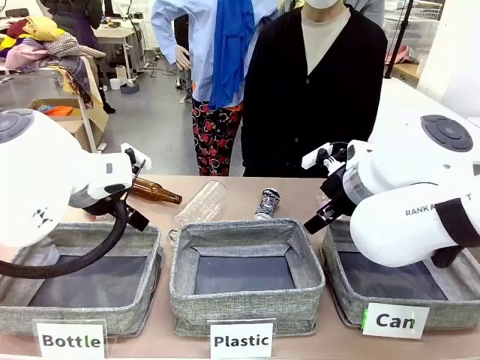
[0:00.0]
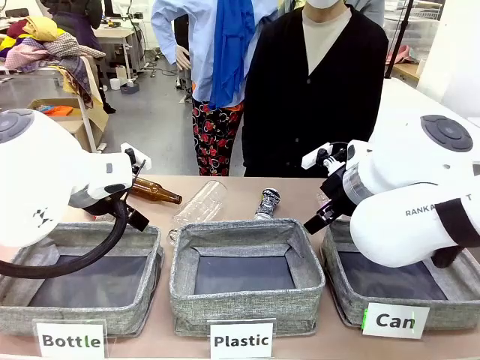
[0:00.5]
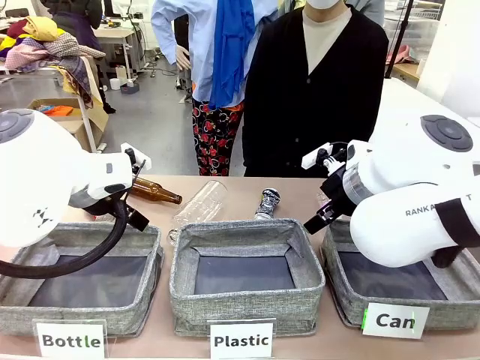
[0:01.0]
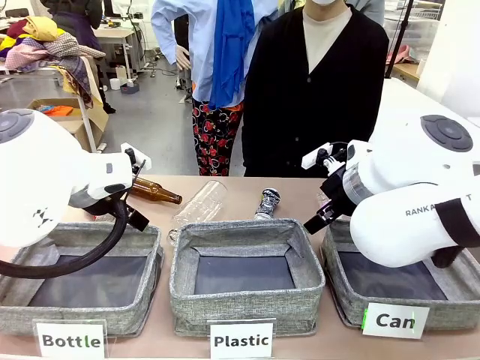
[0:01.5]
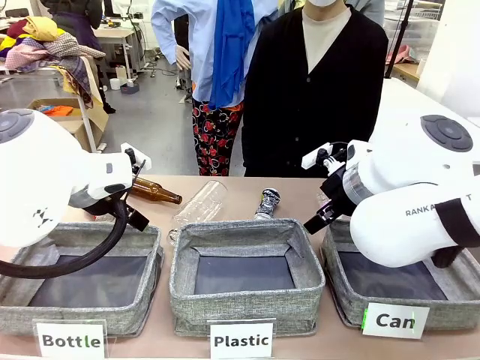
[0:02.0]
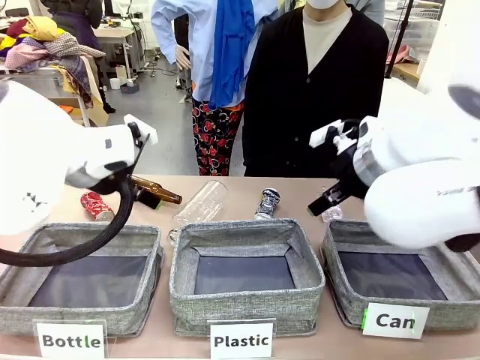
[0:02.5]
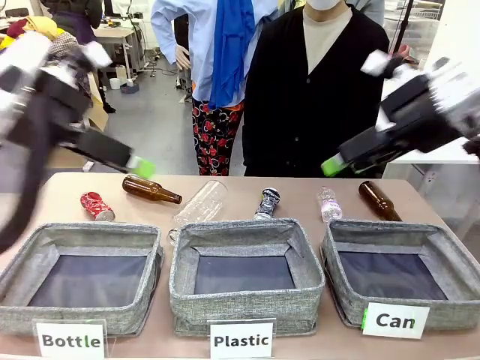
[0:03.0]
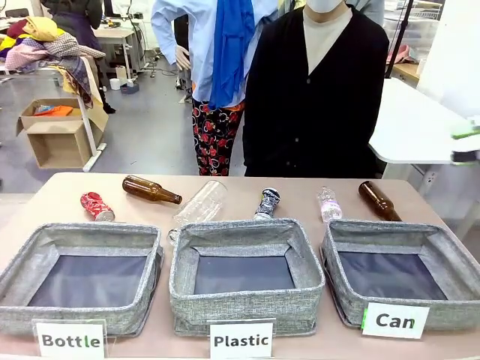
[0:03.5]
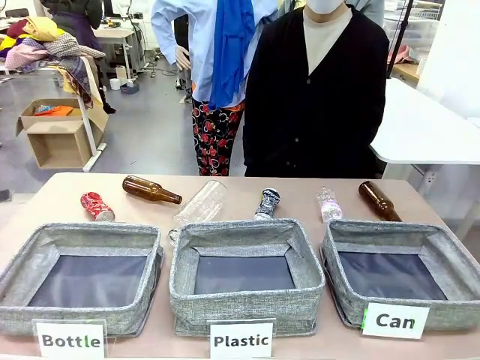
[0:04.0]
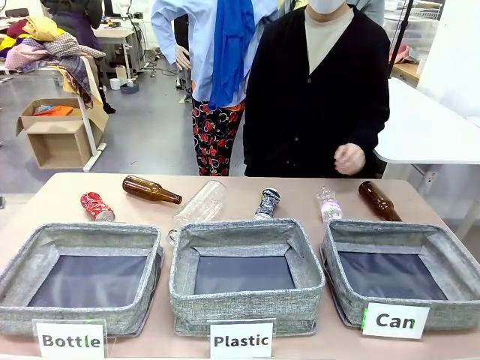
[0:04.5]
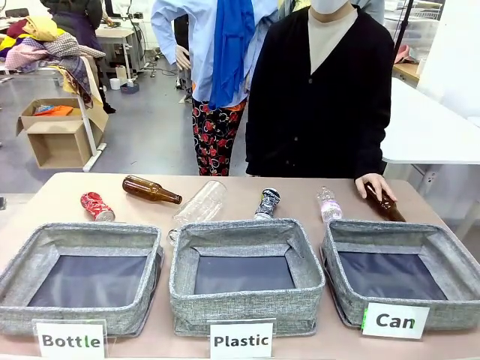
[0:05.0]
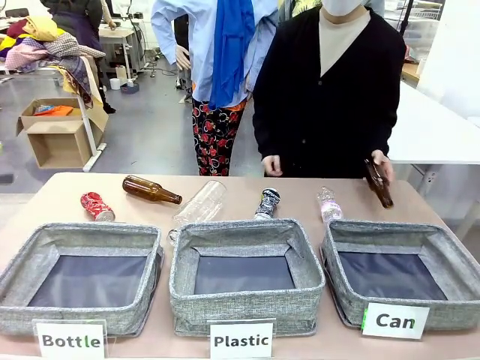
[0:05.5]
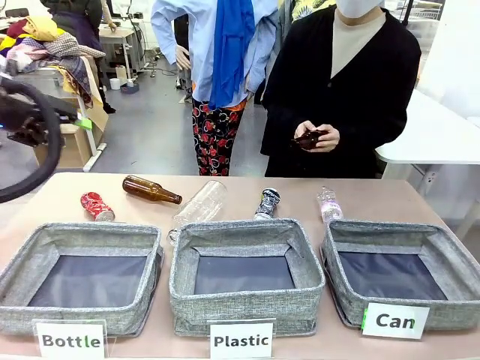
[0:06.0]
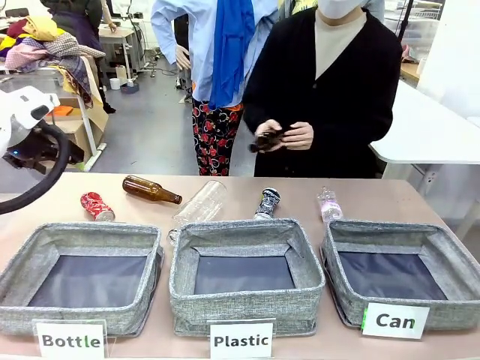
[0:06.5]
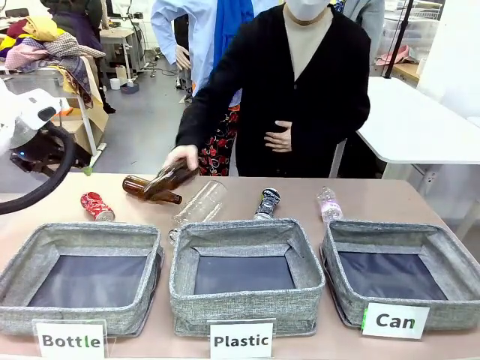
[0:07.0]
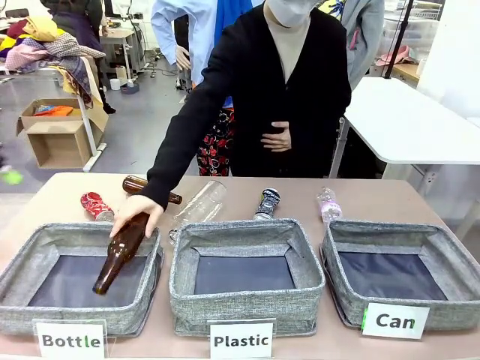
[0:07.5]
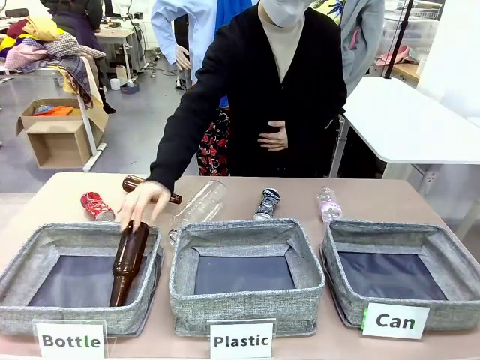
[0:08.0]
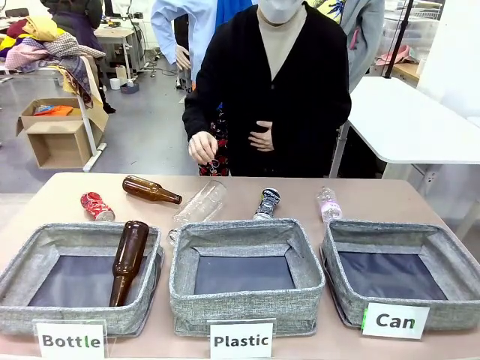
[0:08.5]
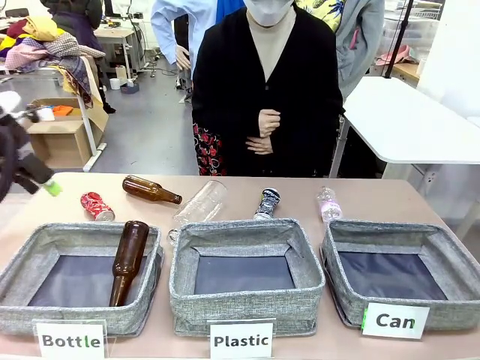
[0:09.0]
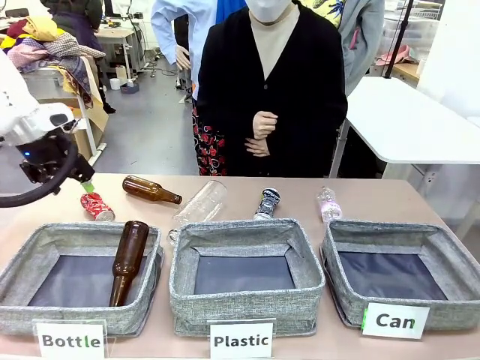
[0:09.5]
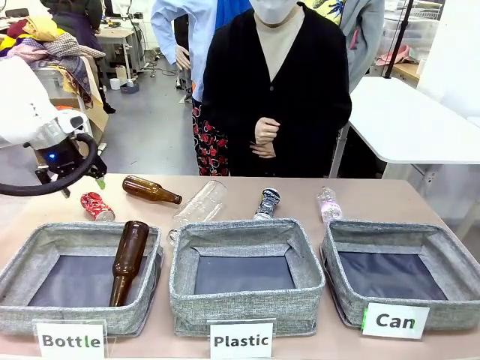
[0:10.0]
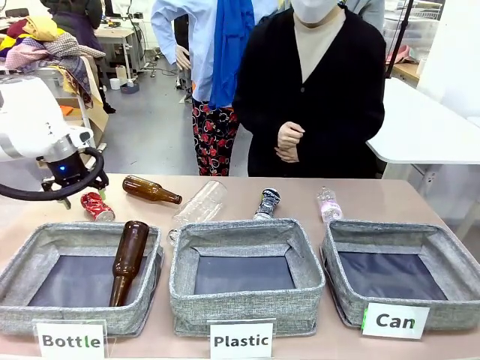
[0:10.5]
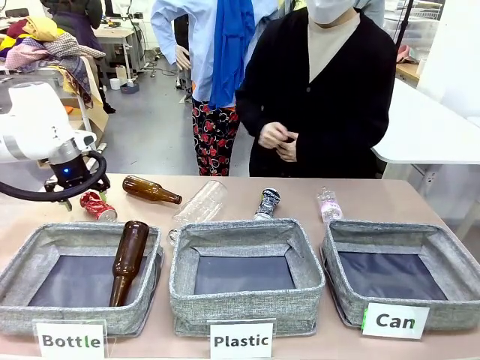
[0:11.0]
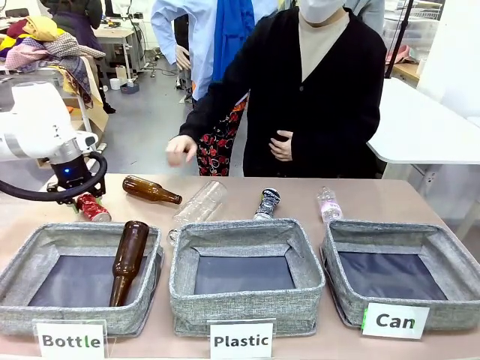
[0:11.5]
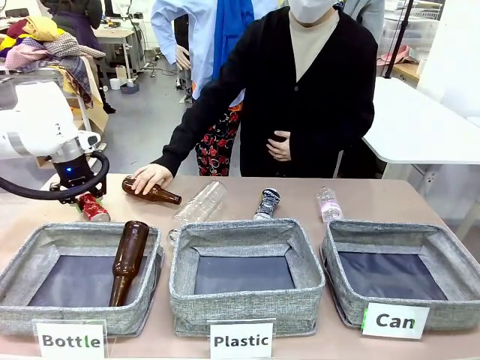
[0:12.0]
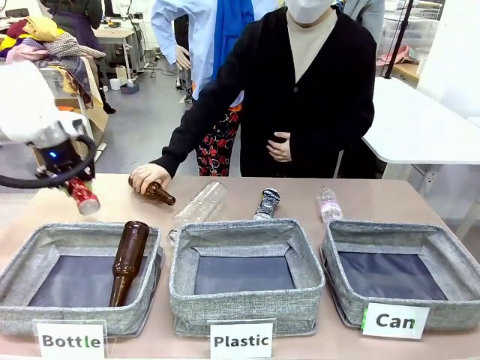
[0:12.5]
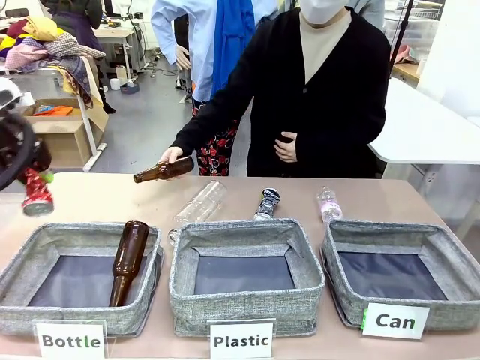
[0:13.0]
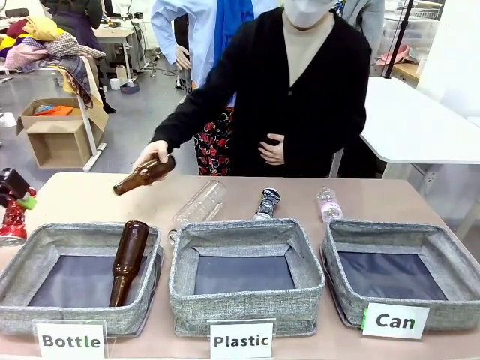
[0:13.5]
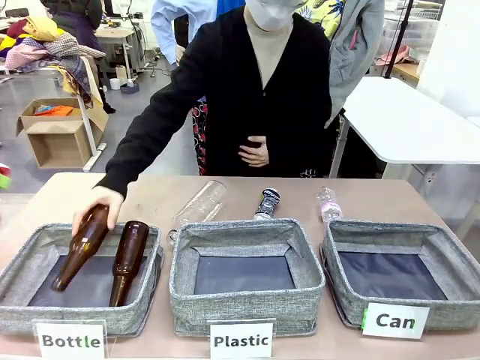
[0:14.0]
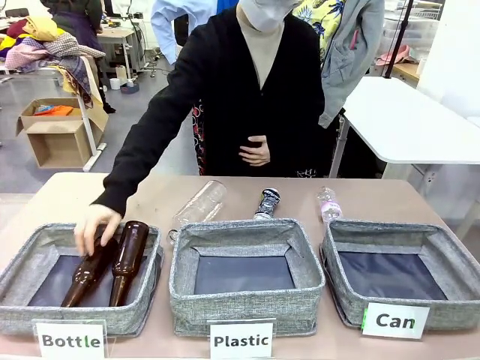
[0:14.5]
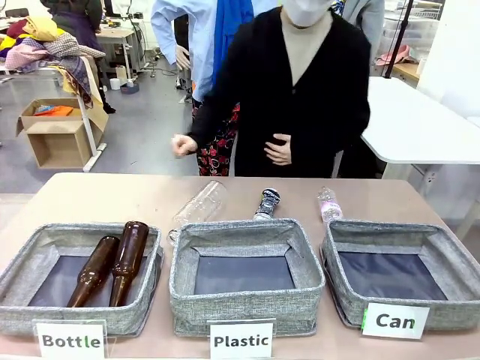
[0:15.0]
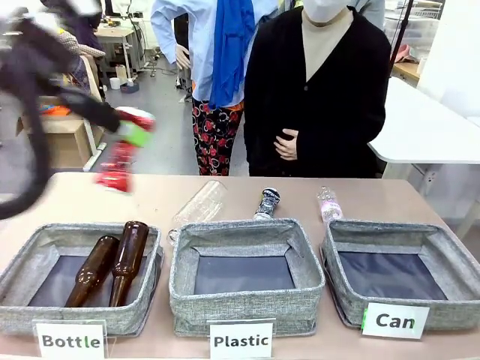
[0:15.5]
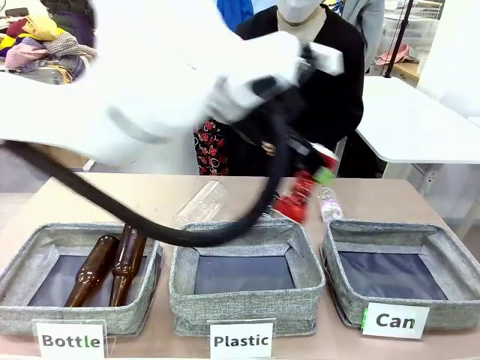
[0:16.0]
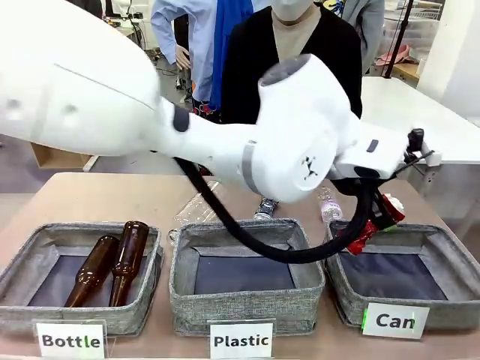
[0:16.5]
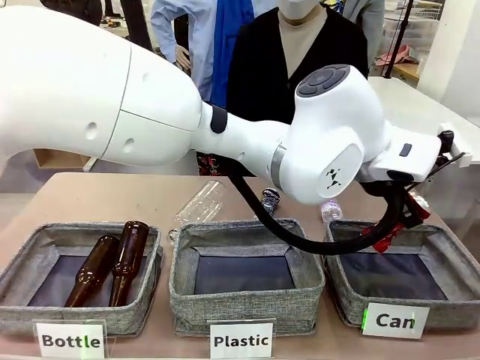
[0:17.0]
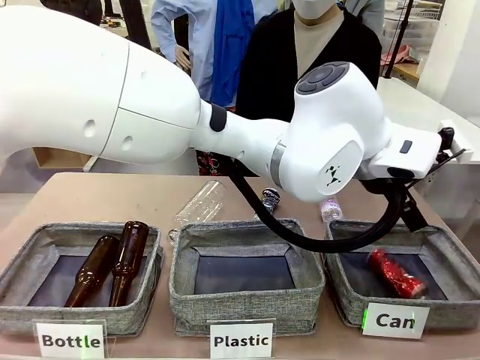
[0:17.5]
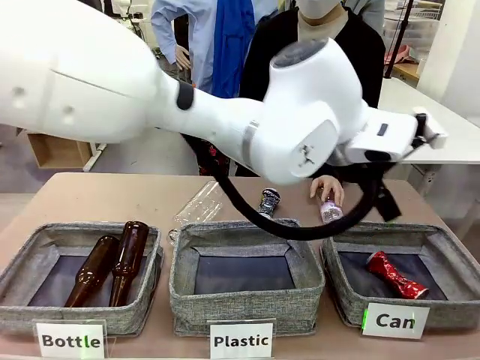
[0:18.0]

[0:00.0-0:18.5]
Task: Sort the can waste into the basket.
Robot: Pick up the can waste from the table and place it in the right Fabric basket.
